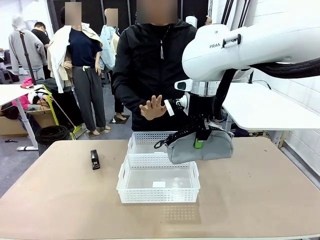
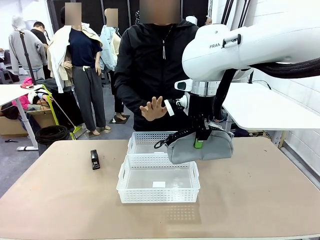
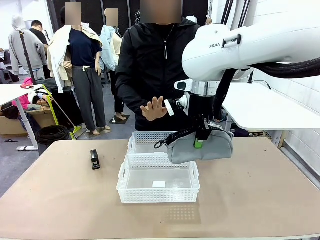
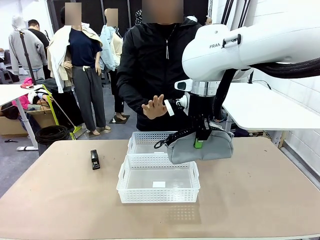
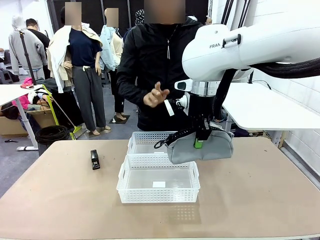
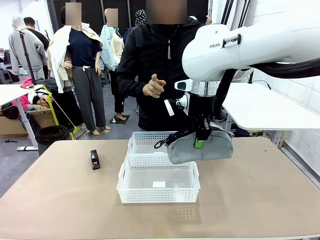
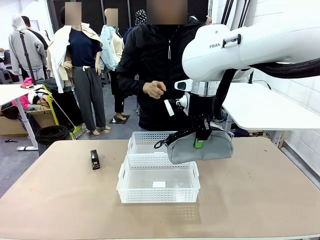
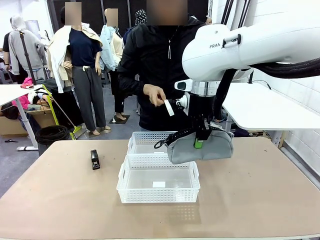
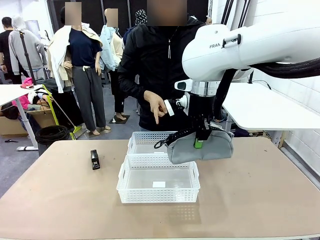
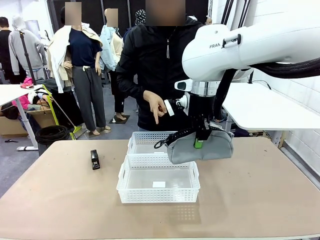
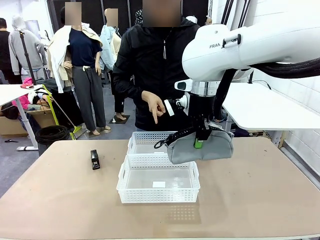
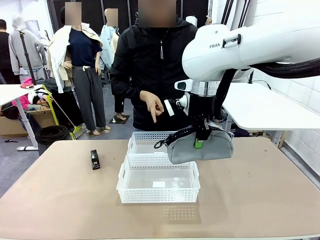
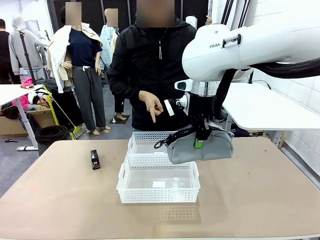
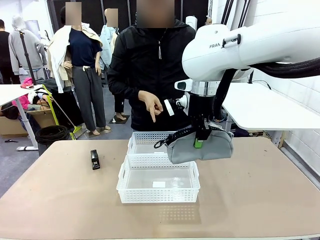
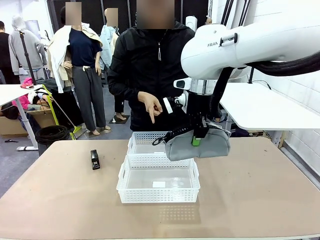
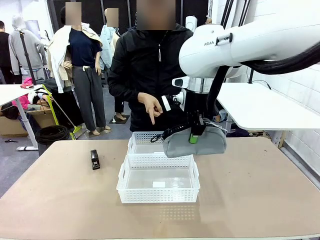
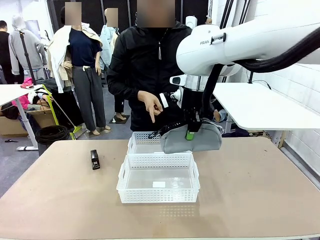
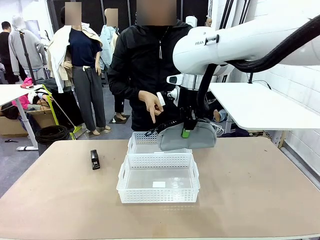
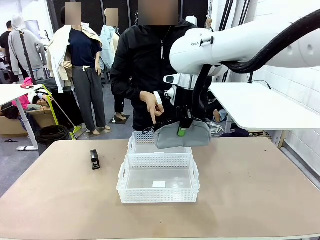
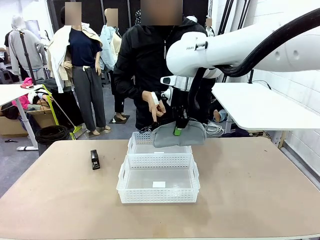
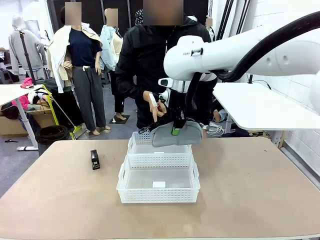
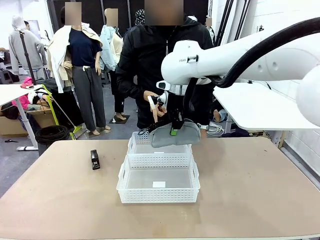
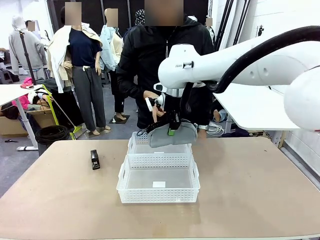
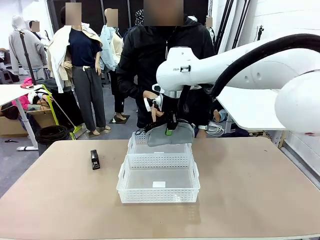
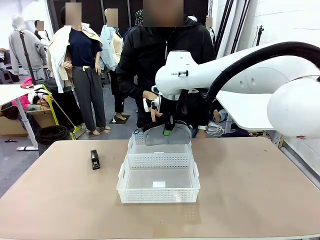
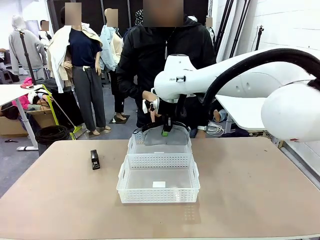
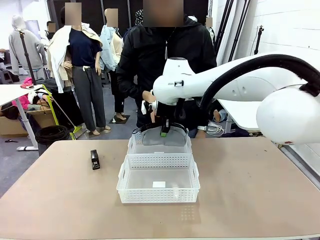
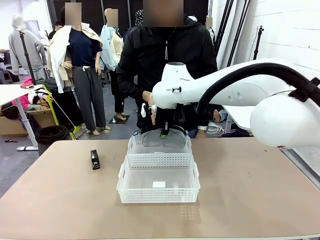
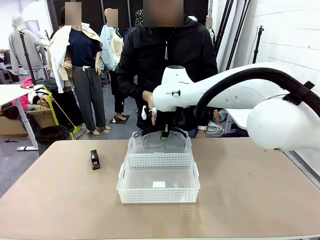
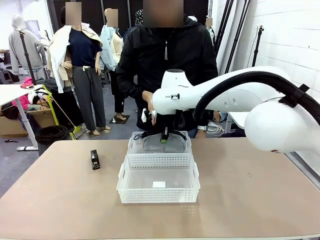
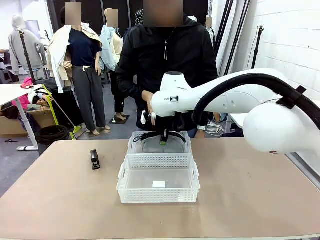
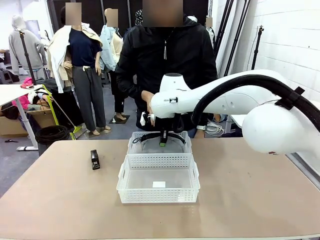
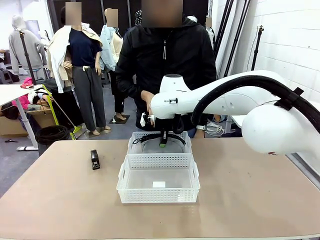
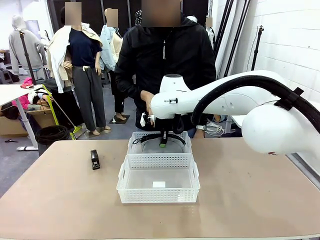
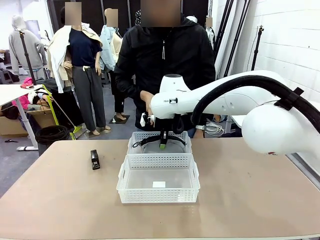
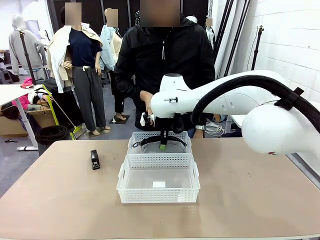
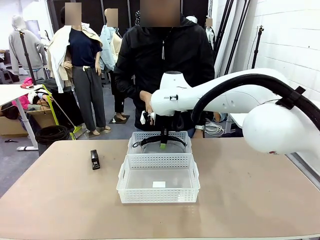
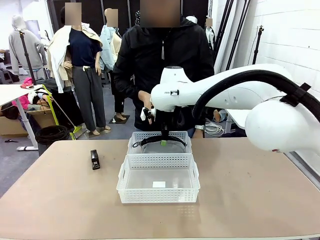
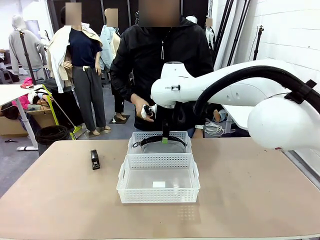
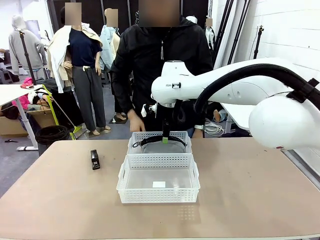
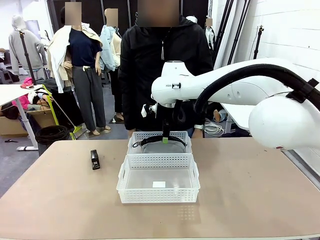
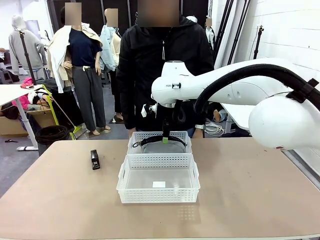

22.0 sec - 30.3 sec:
Task: Distribute items into two baskets.
Robot: Place the picked Pencil pouch into the Organizing basket as instructed by the person.
Person: Instructs the robot to place the pencil case into the opposite basket.

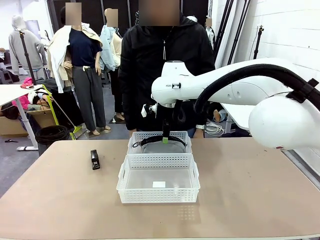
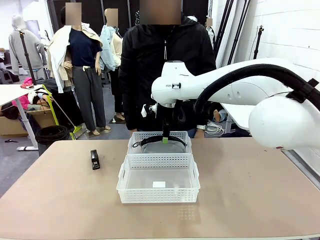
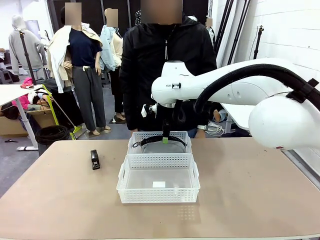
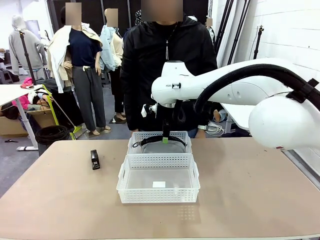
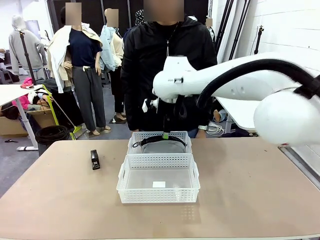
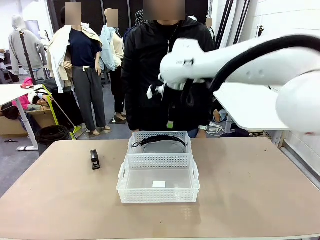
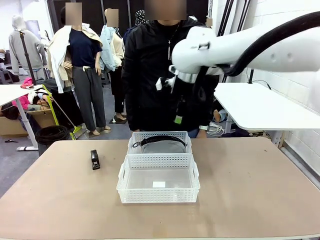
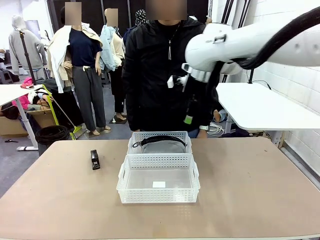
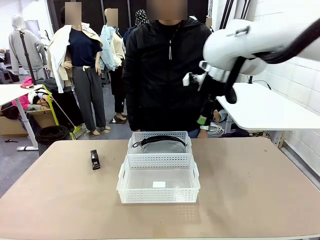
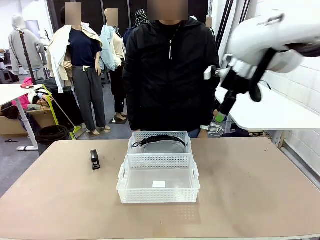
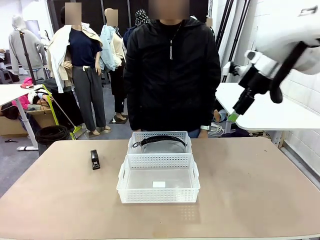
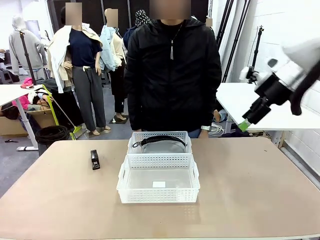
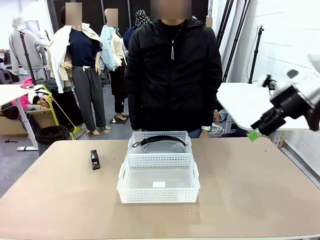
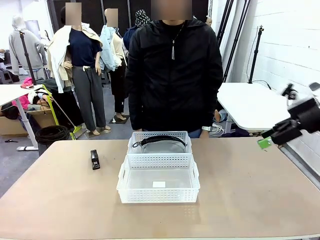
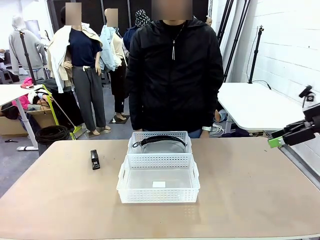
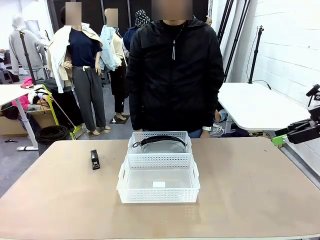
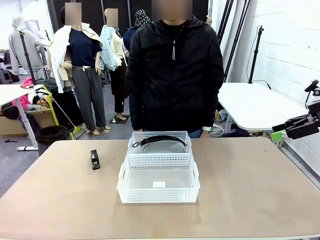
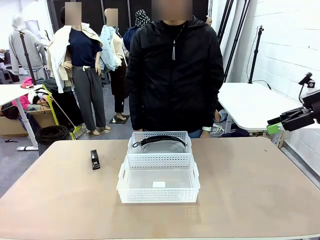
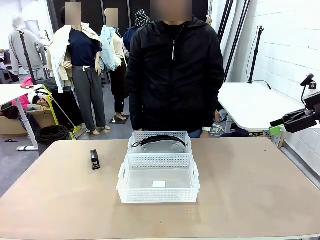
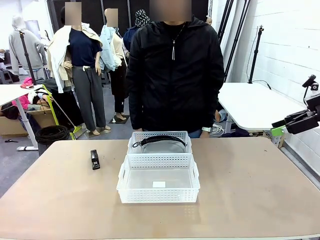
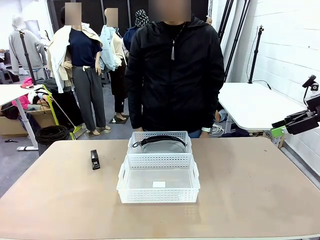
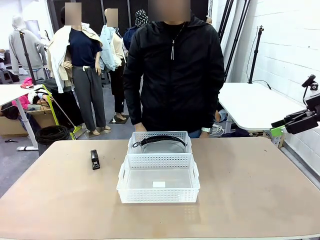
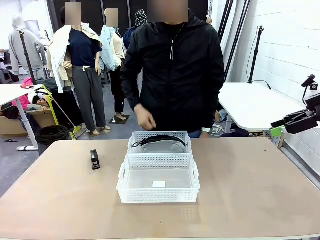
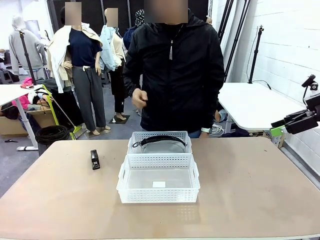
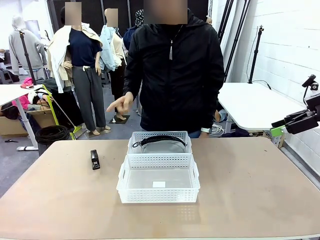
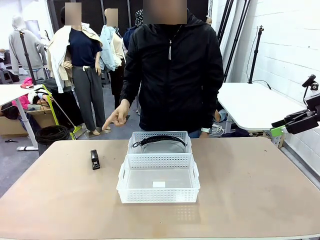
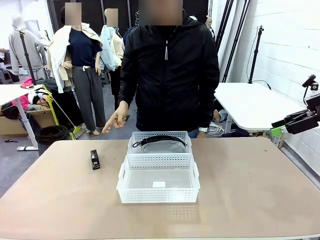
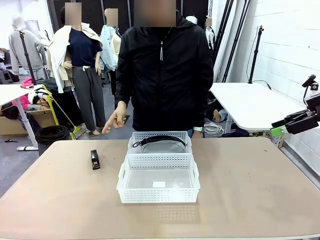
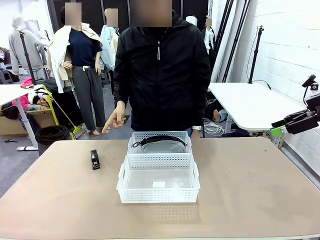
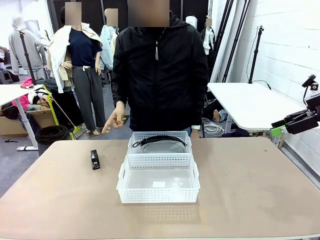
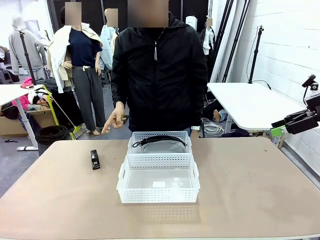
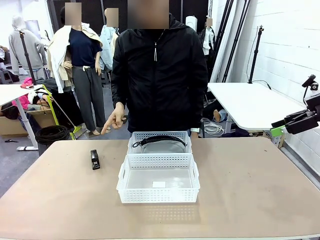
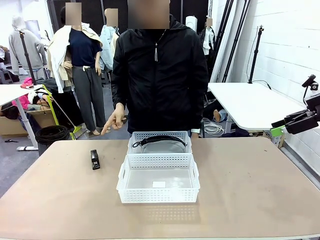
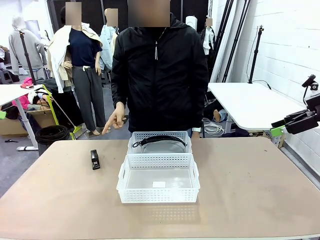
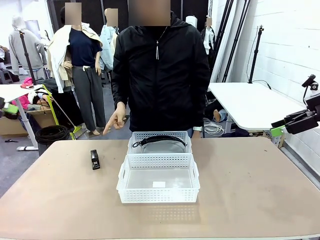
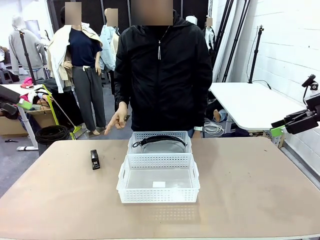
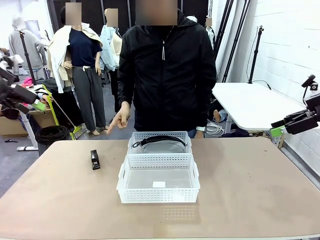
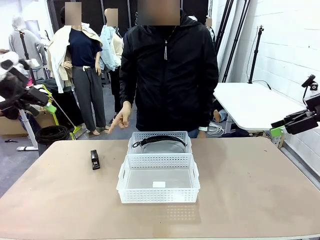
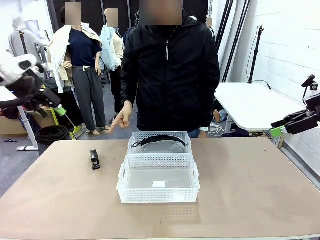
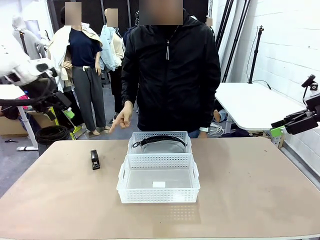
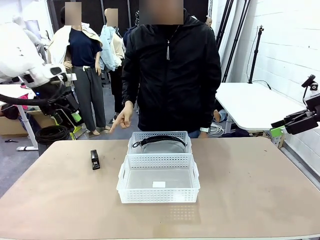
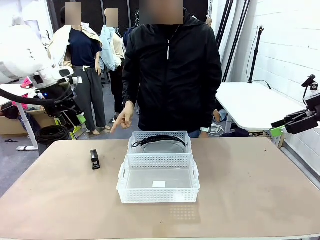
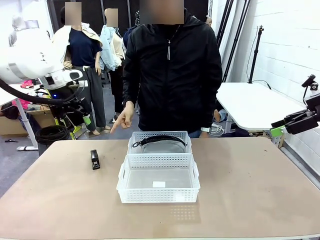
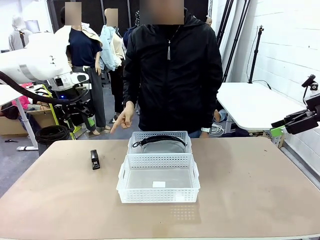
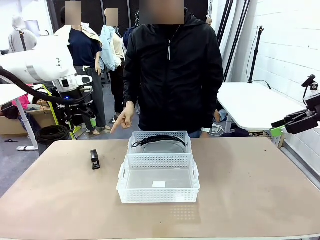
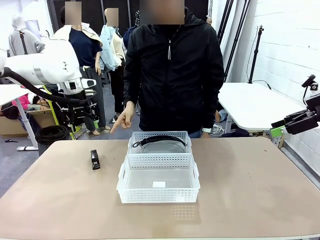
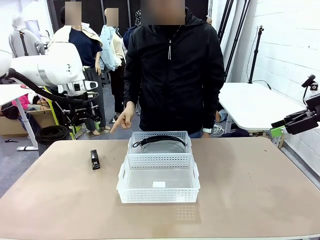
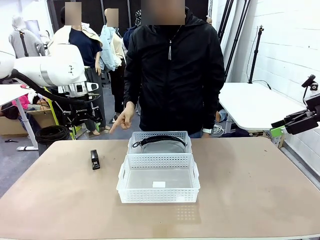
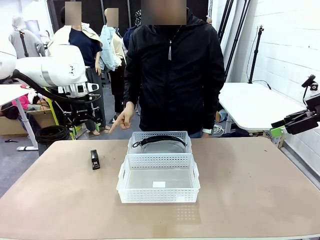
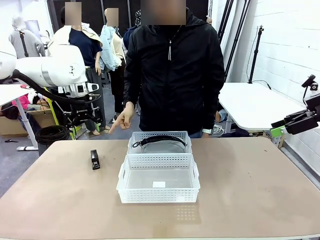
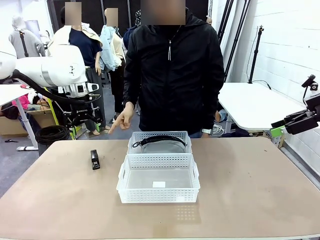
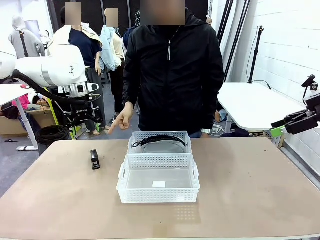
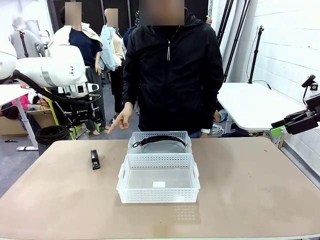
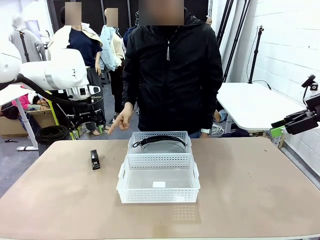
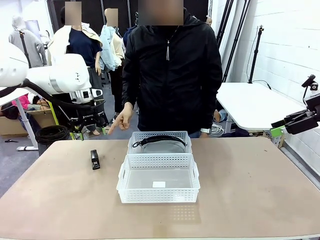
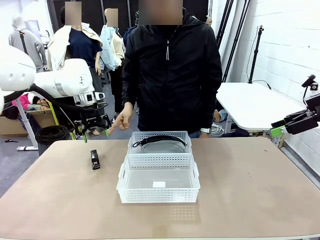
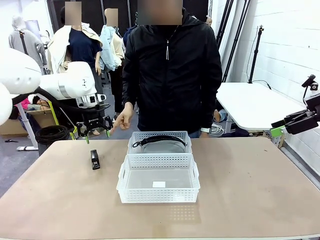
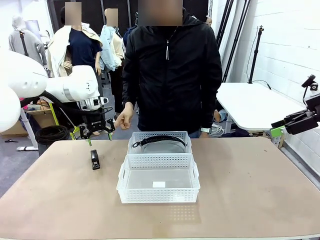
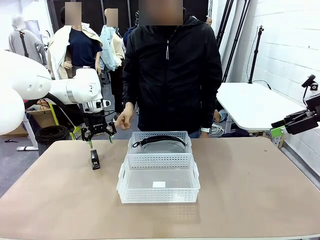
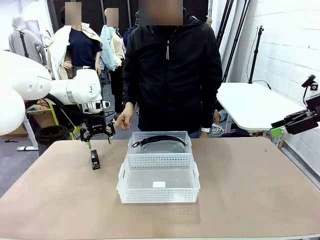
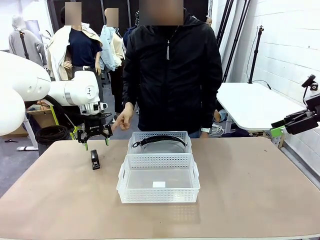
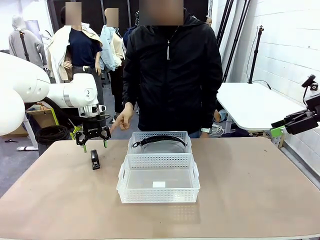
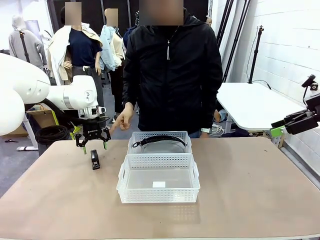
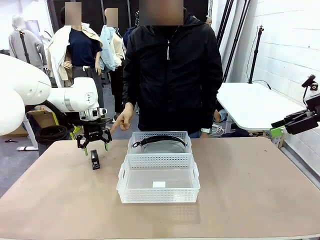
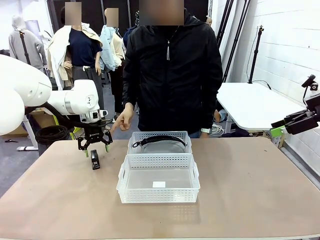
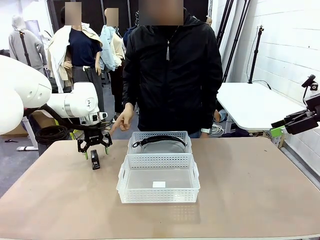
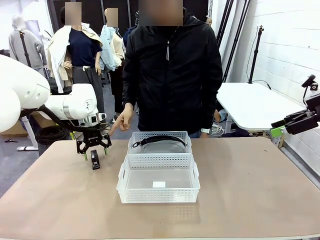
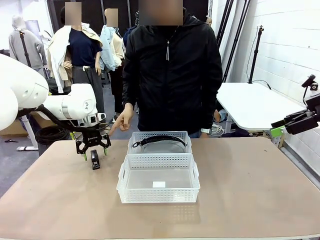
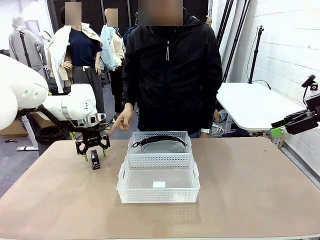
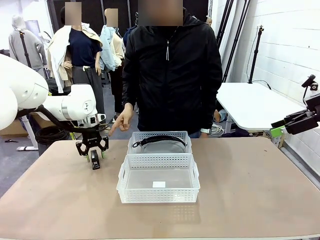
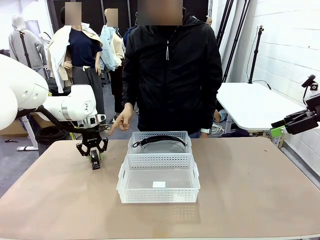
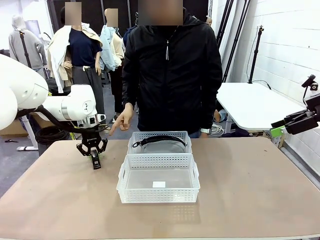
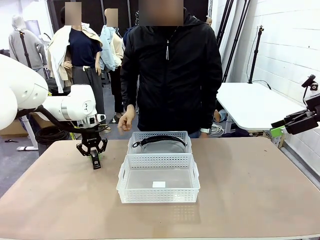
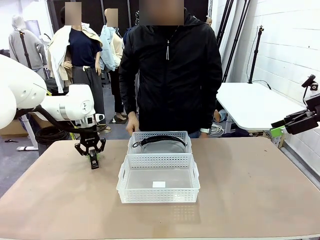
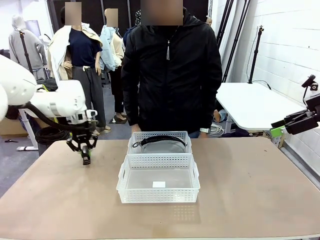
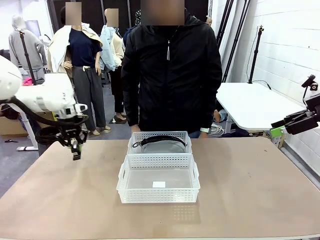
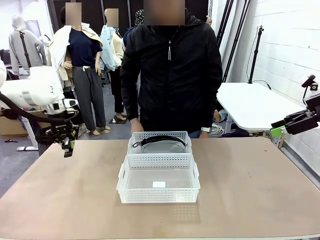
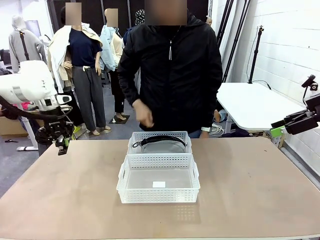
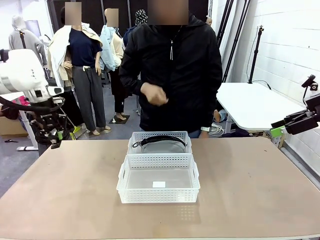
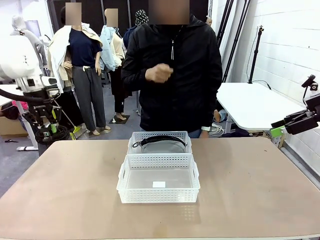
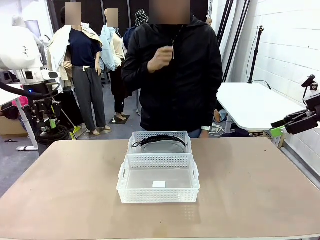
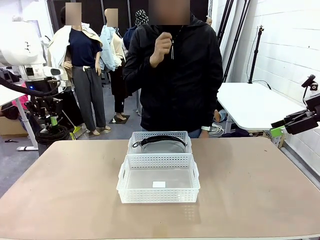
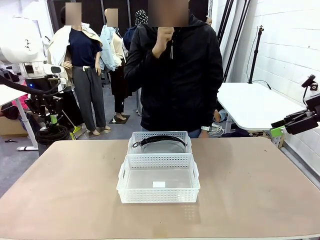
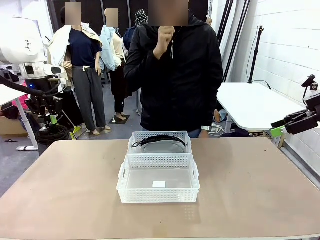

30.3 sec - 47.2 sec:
Robot: Pick up the Stapler that the person points to.
Person: Points to the stapler.
